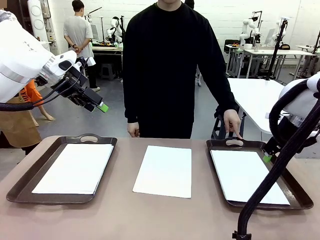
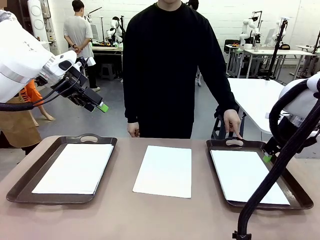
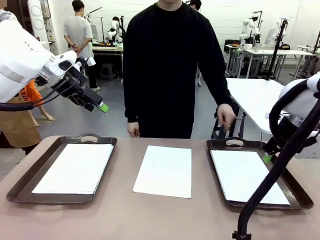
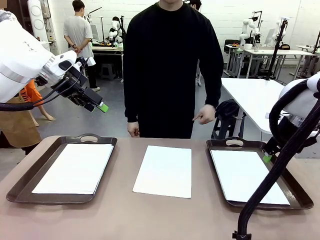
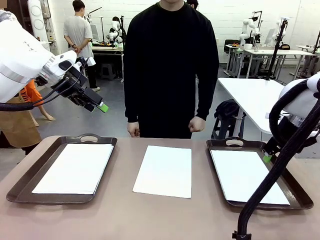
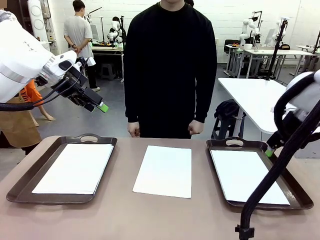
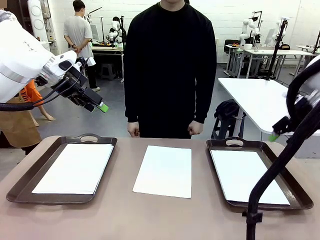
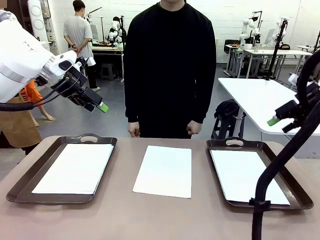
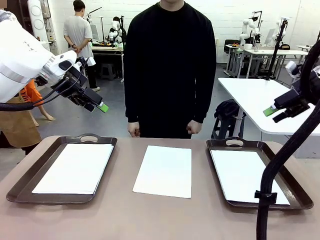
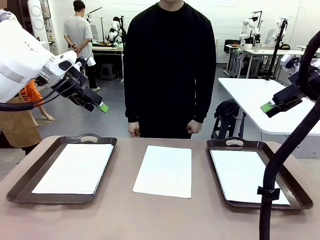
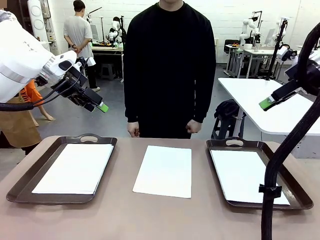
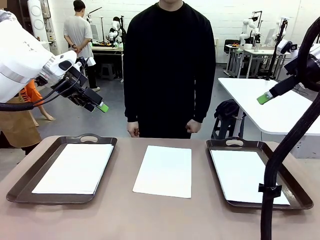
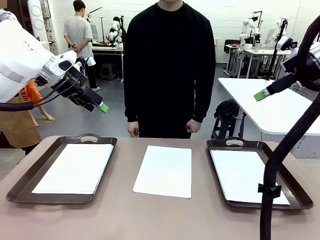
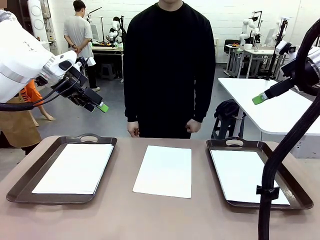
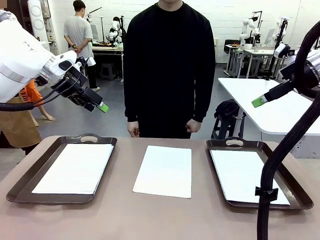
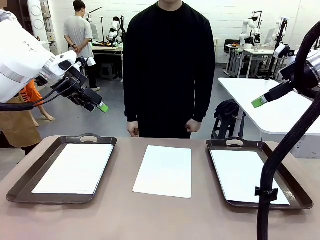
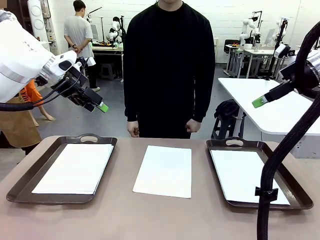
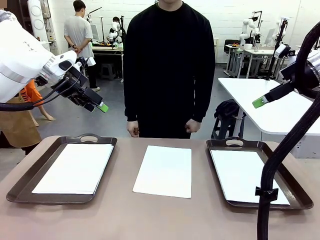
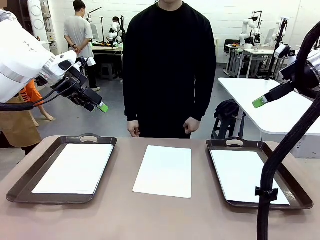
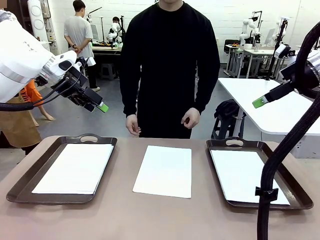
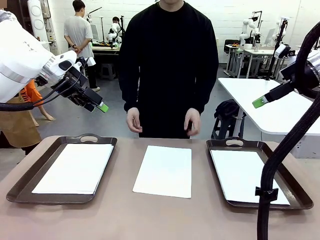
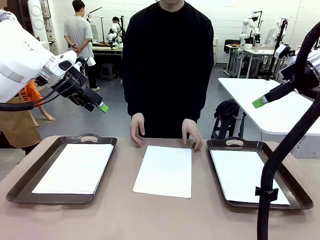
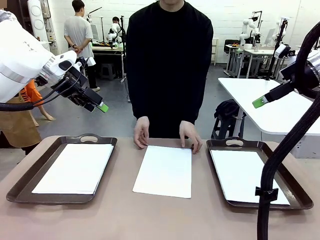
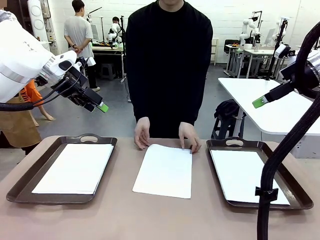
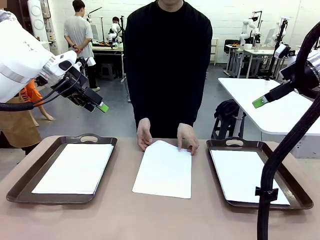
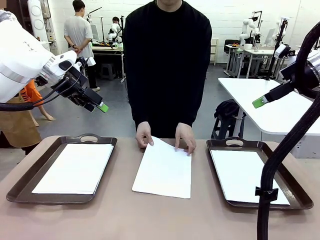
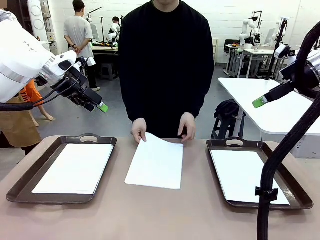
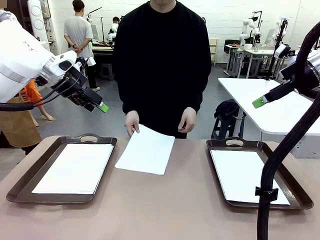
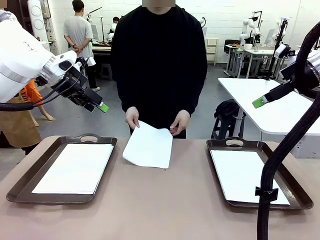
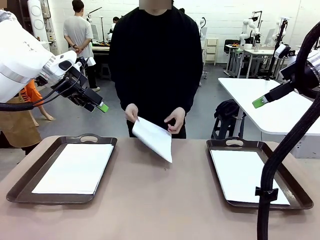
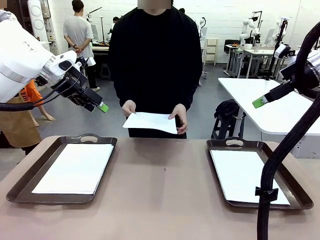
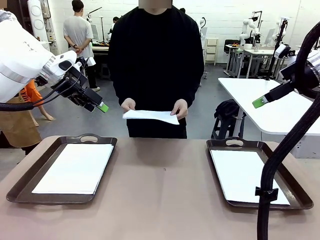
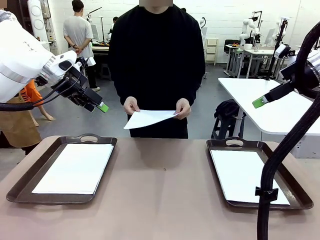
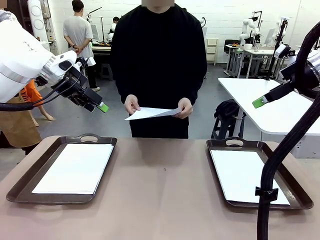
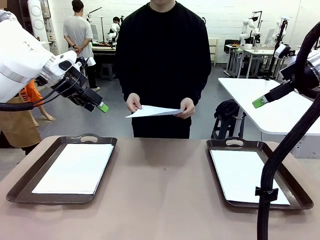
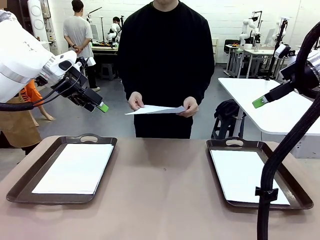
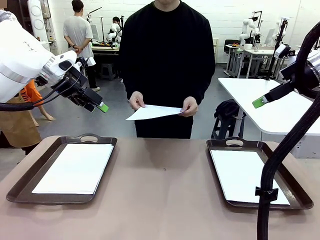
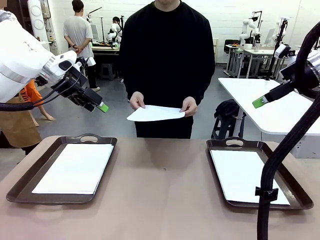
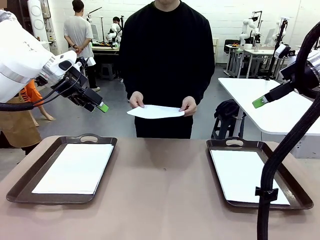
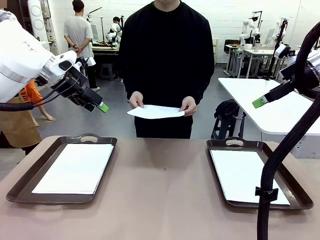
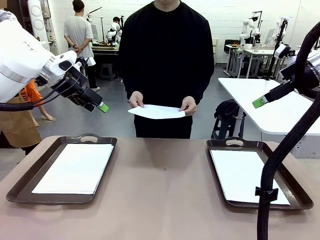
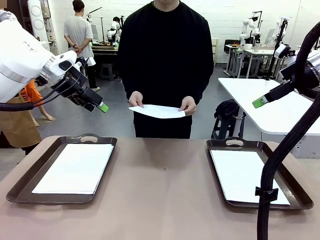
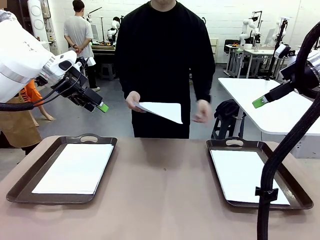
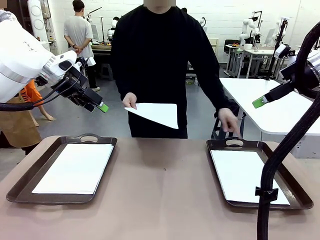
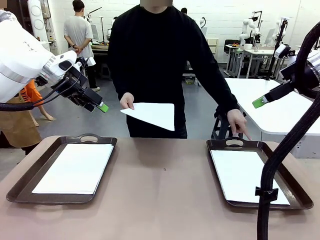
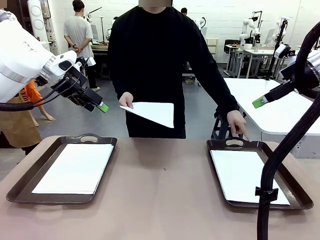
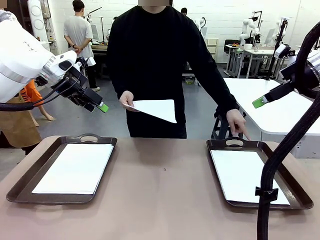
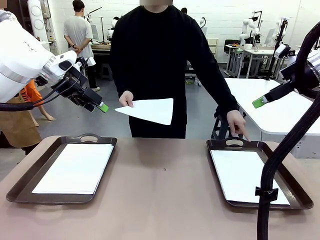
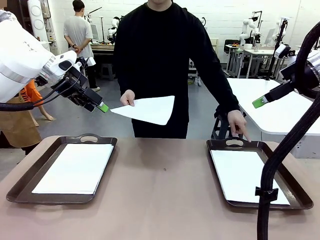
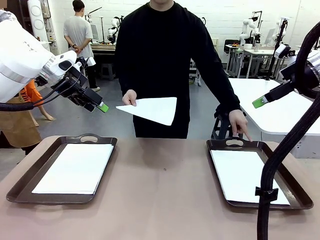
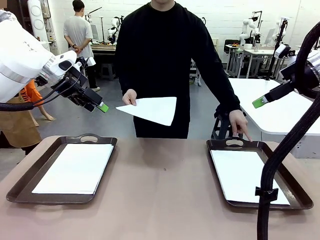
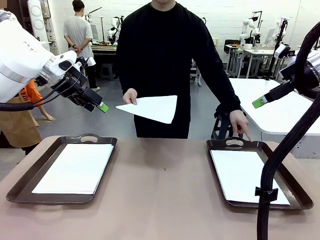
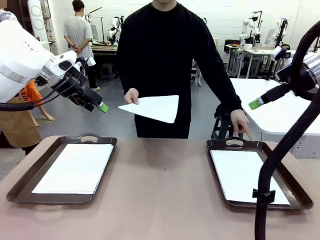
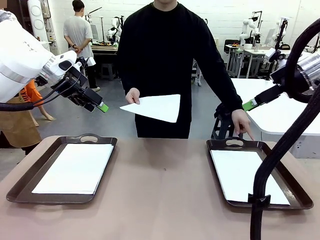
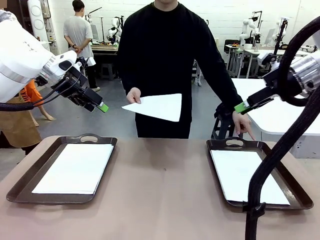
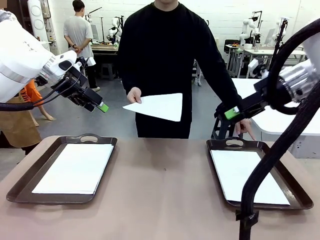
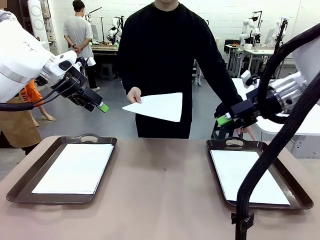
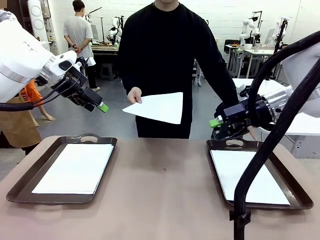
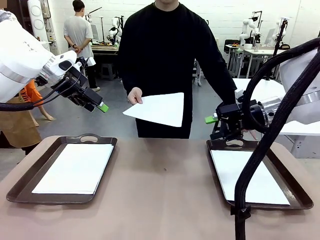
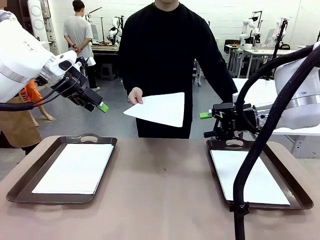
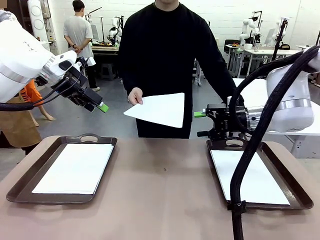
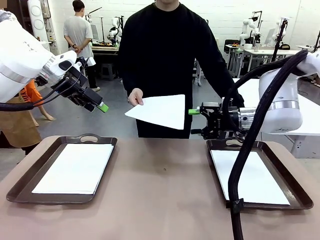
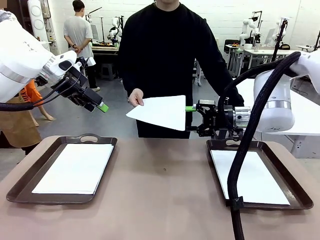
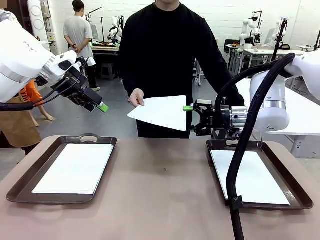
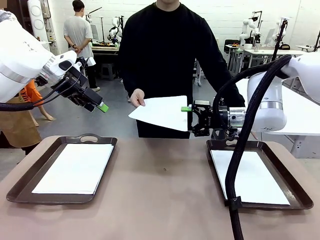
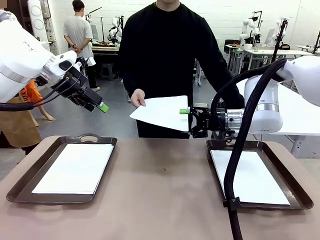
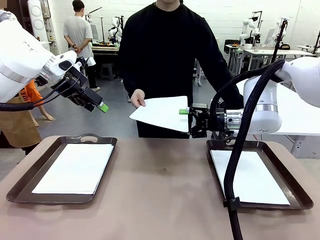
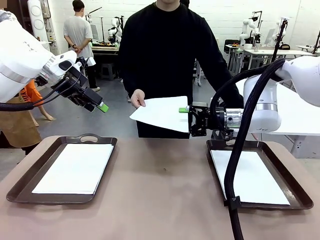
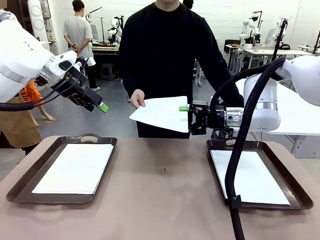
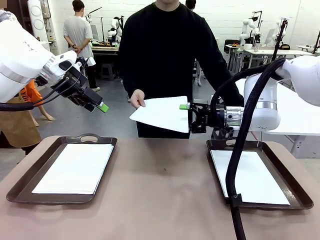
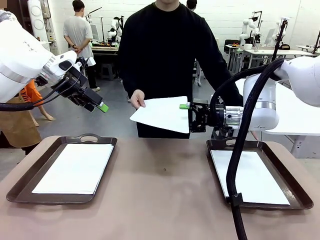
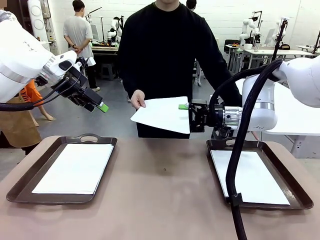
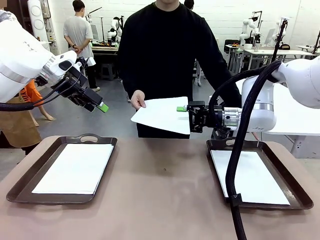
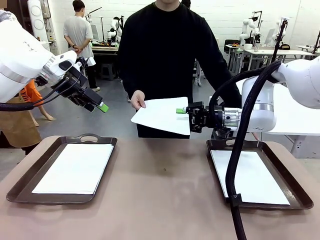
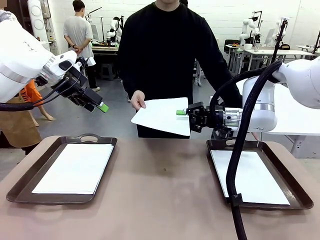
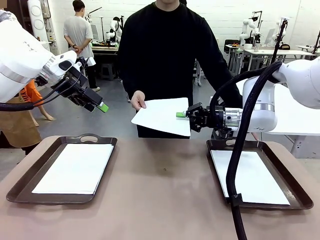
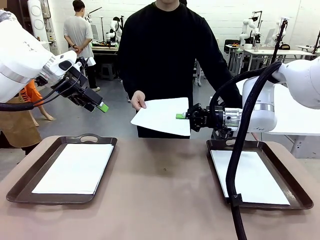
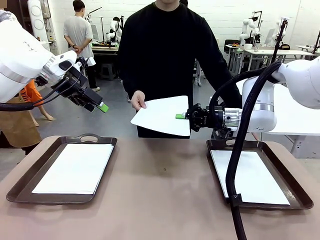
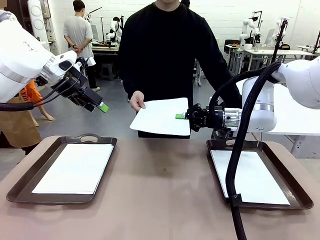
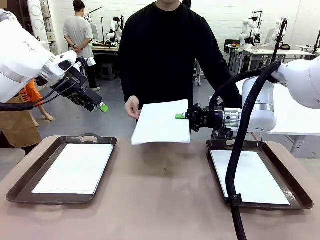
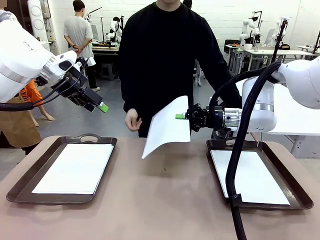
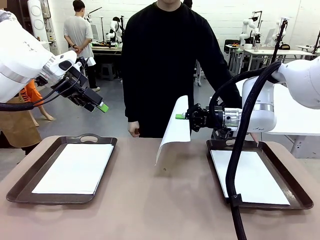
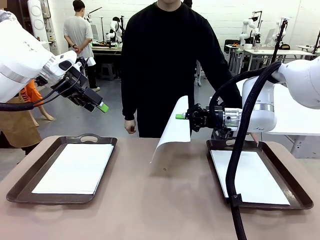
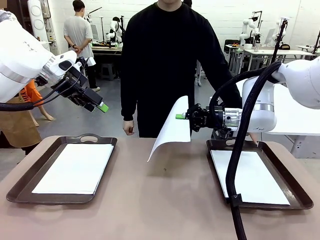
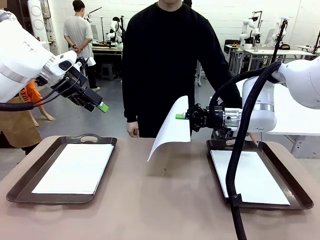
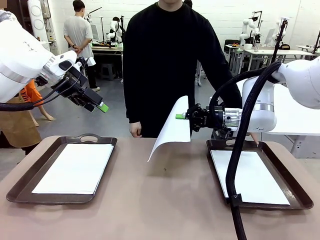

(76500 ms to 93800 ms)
Task: Sort the A4 documents.
Robot: Receive the A4 Paper.
Person: Point the randomly selected tray with the other hand.

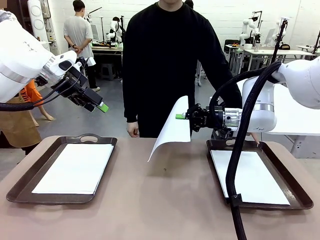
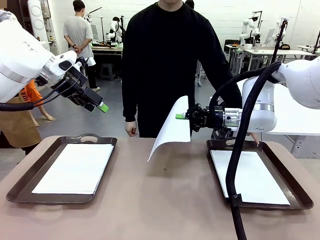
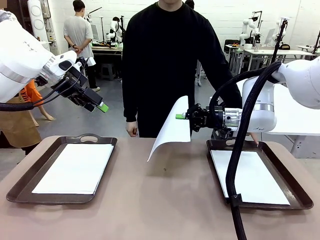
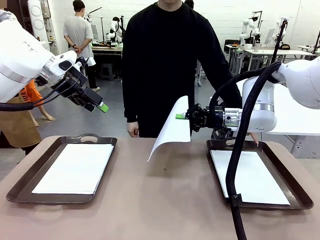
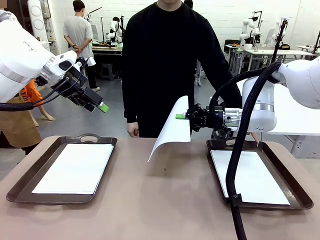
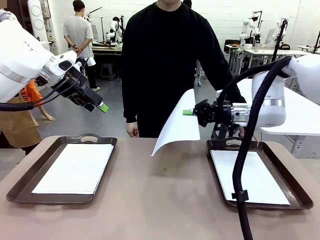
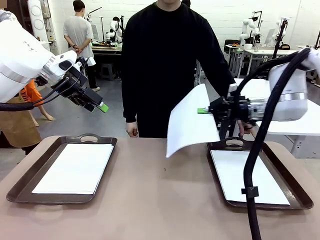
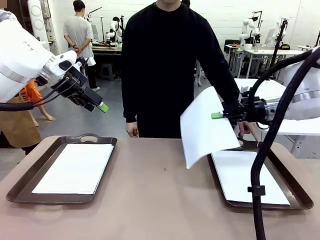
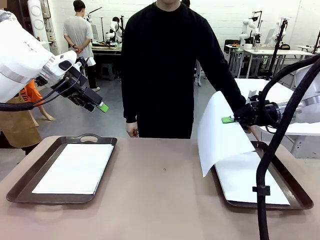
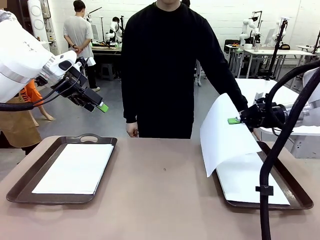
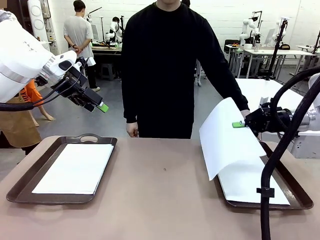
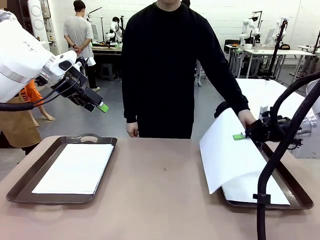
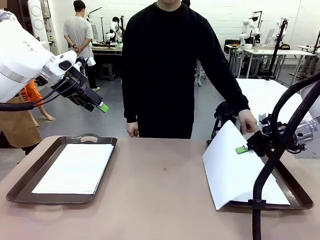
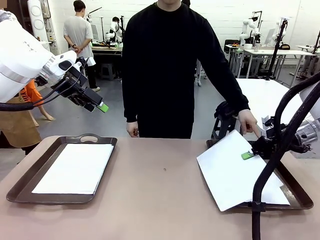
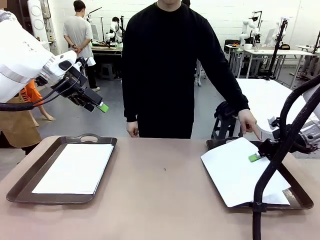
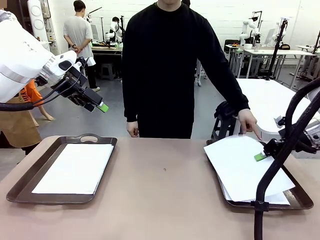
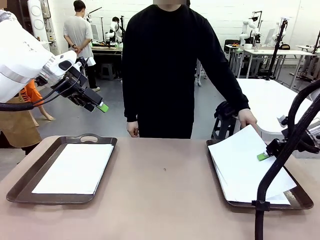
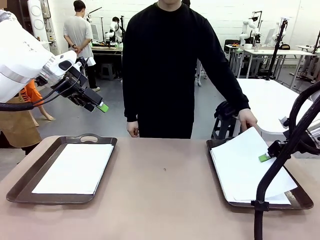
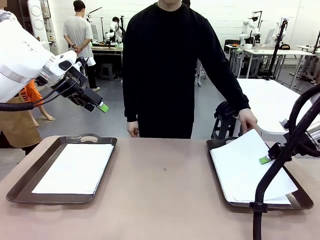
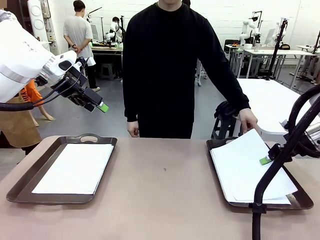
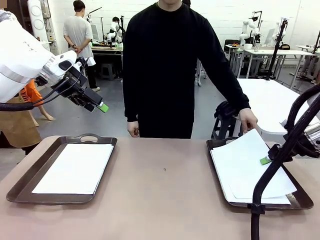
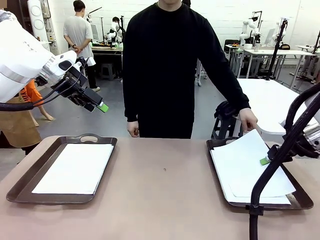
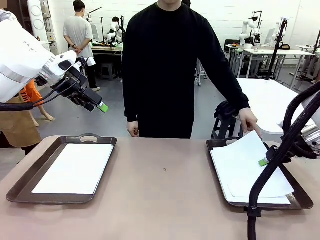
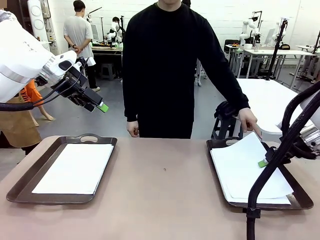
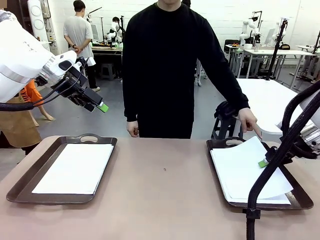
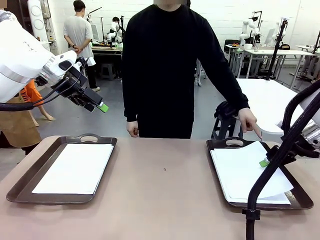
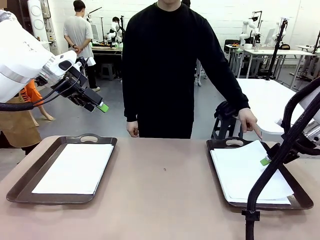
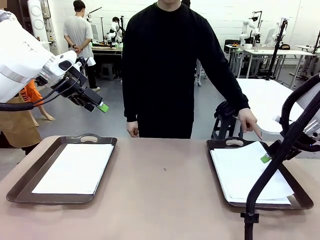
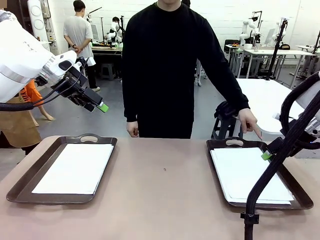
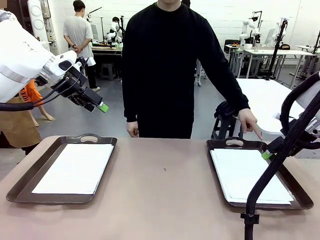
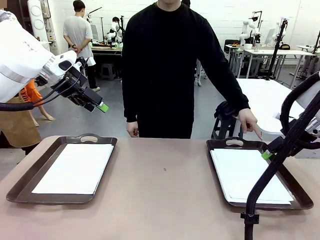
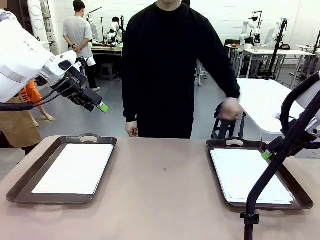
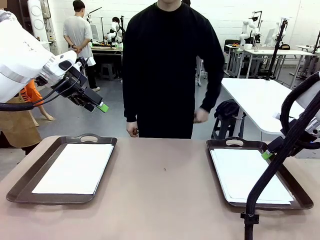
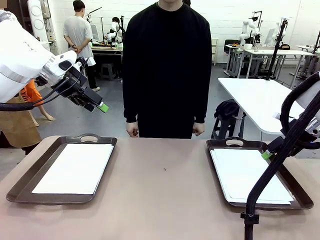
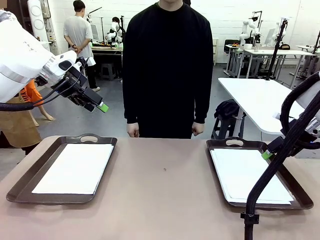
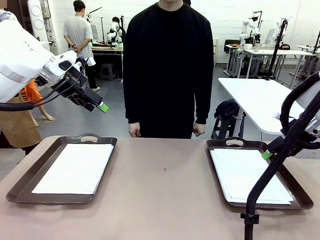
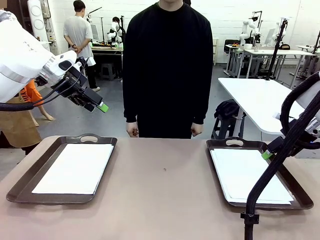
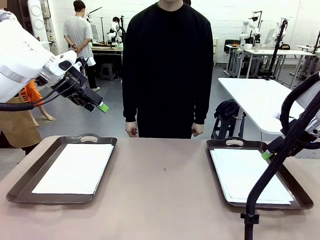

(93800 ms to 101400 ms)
Robot: Place the A4 Paper in the designated Handle tray.
